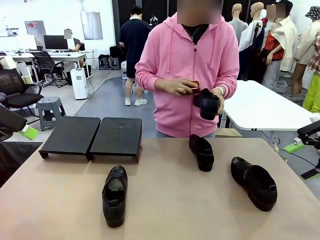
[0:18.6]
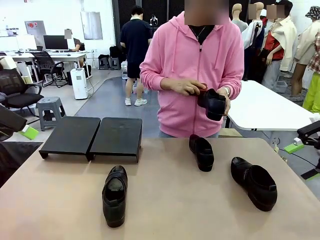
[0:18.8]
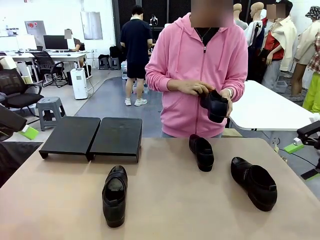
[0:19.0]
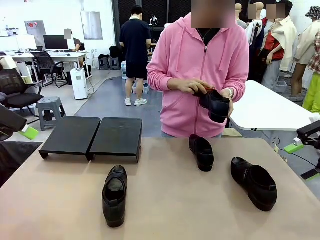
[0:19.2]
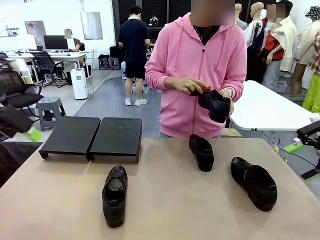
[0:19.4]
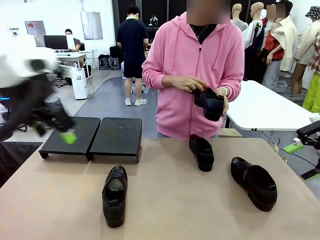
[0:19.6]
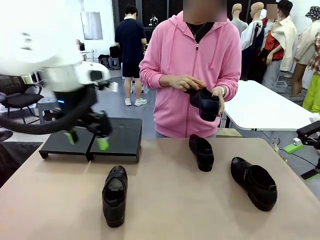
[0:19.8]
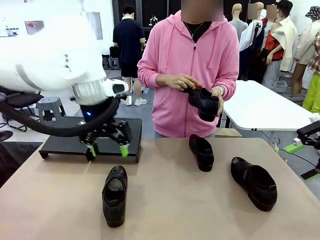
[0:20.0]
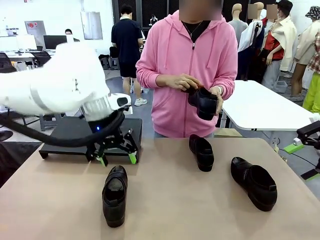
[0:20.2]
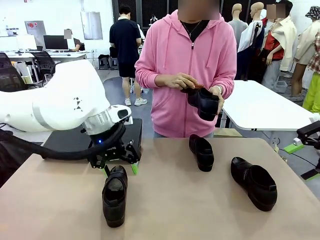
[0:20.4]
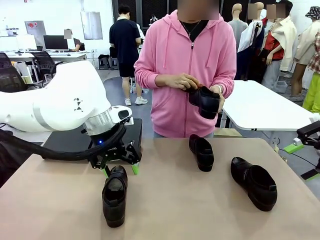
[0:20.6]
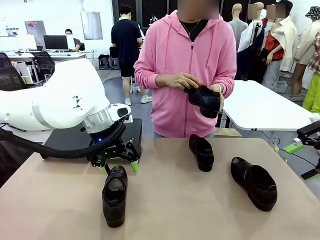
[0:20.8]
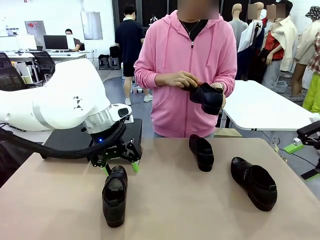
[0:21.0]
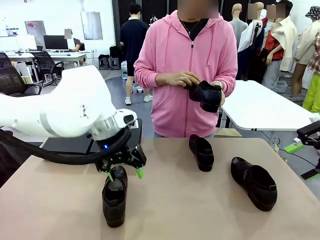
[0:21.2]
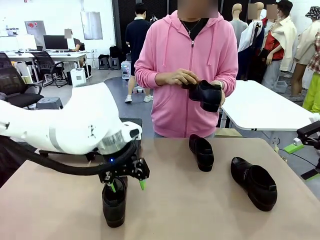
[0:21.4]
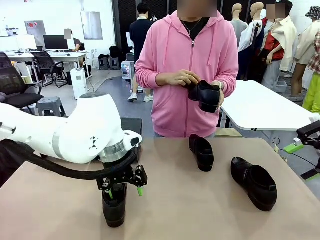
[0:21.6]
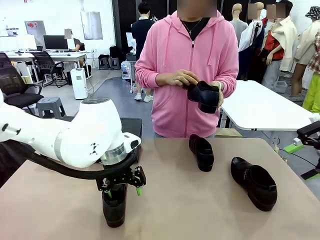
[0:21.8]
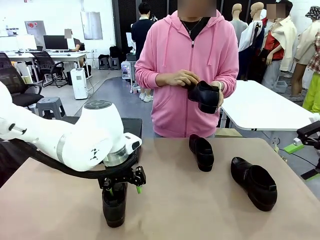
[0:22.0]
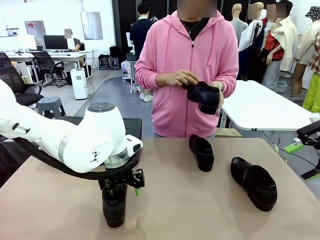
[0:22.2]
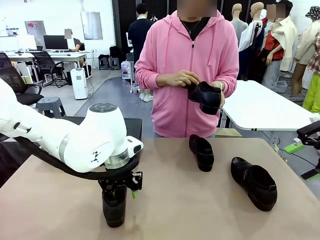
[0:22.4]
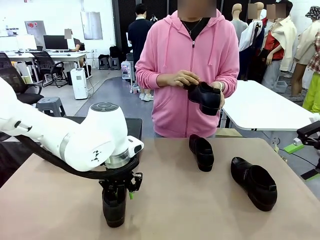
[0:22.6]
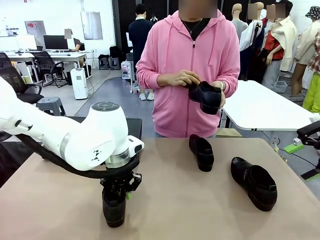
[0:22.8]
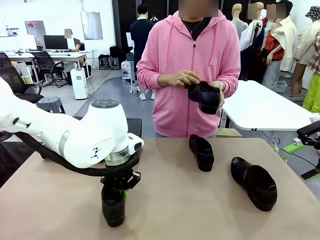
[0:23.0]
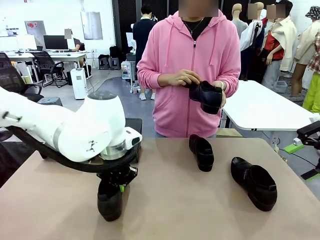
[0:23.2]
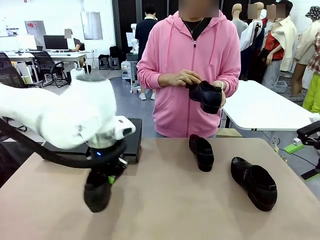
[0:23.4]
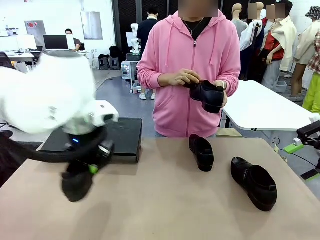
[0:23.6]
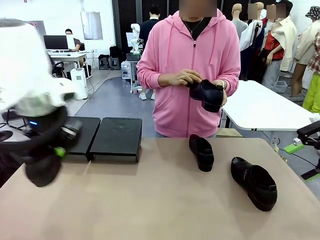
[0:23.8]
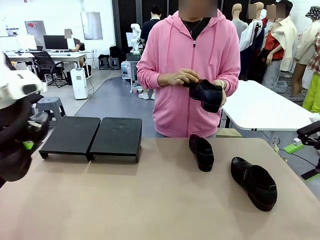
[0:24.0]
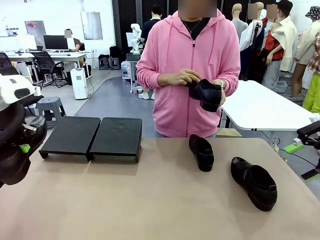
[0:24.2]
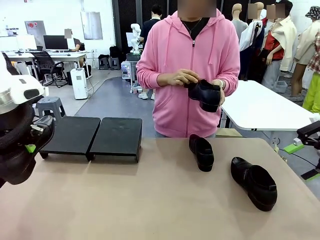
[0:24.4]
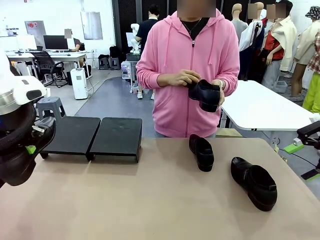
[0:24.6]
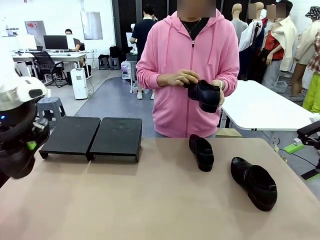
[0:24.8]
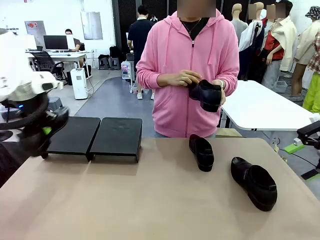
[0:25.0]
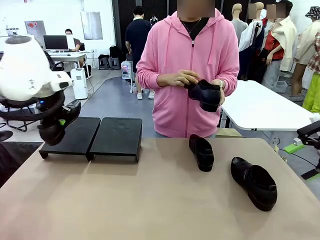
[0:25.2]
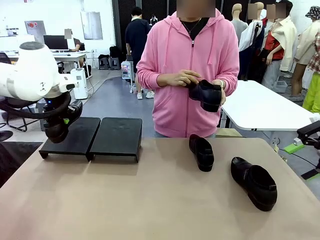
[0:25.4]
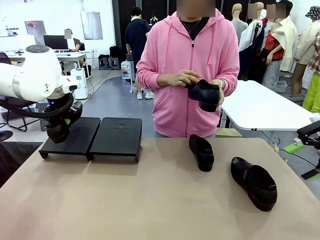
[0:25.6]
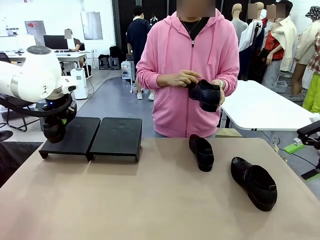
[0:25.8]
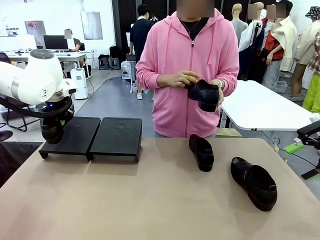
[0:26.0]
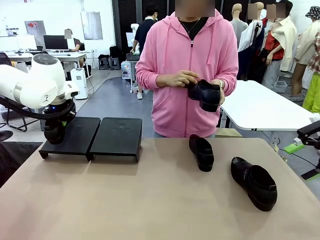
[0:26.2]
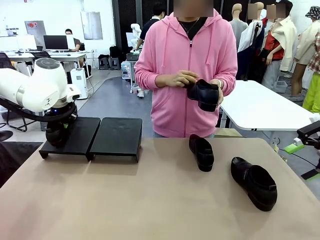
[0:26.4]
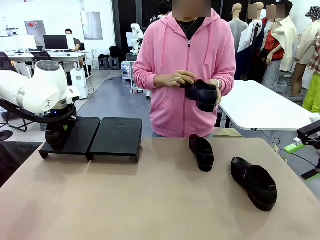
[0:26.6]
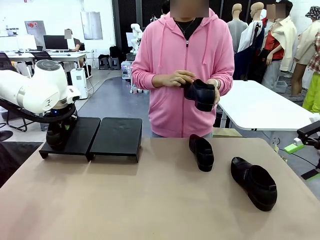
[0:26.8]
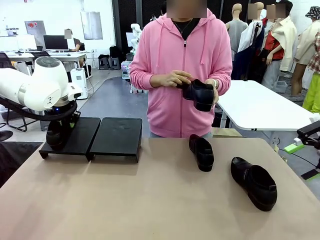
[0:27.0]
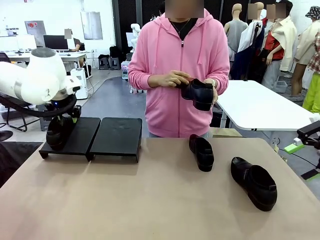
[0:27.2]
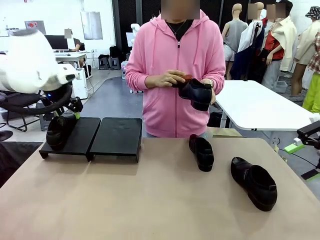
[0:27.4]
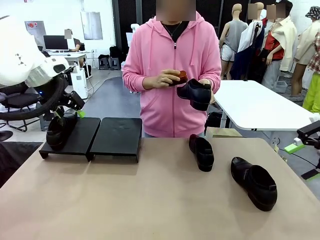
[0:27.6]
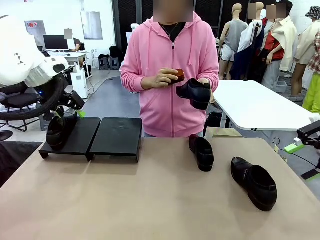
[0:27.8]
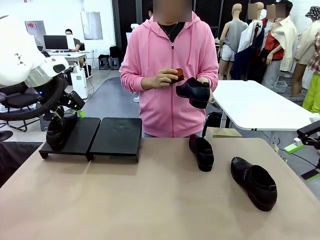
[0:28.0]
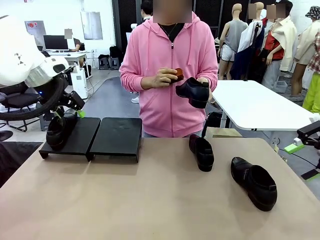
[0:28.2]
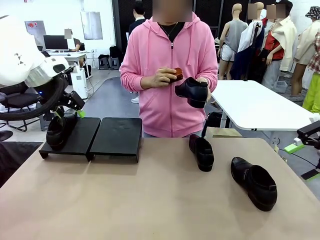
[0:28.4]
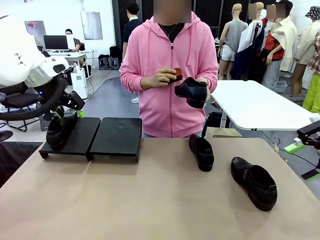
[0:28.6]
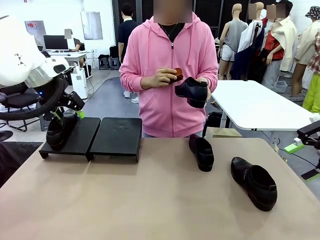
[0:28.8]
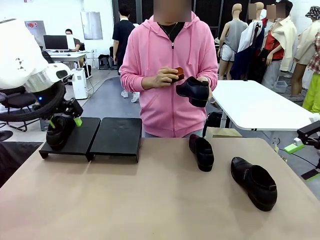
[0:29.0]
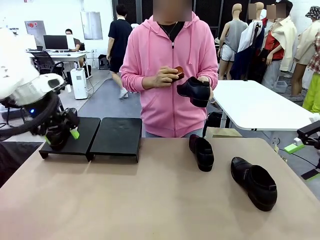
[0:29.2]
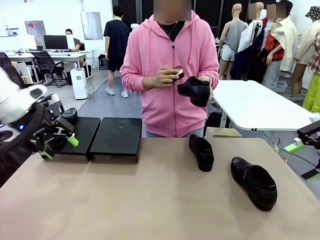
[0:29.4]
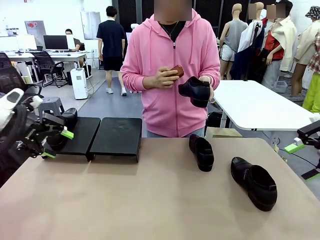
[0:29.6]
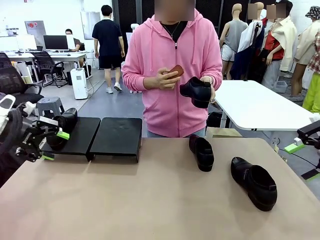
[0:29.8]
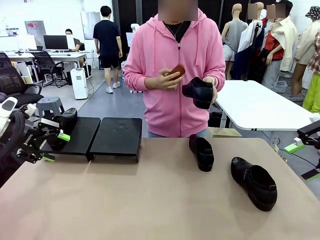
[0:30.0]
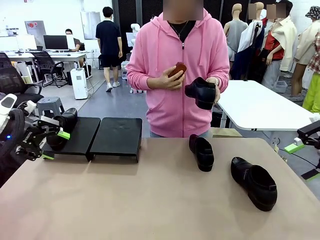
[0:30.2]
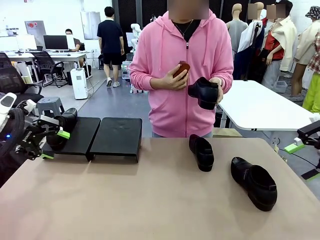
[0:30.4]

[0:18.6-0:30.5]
Task: Organize the shoes by placing them on the stand.
Robot: Place the Shoe from the middle of the table onto the Shoes Stand.
Person: Clean the Shoe with the Shoe Brush.

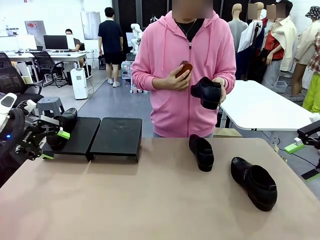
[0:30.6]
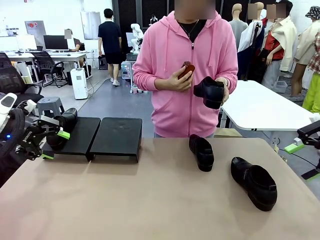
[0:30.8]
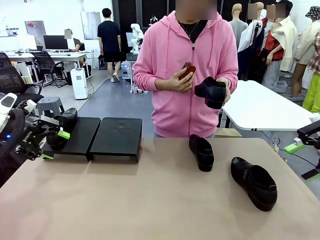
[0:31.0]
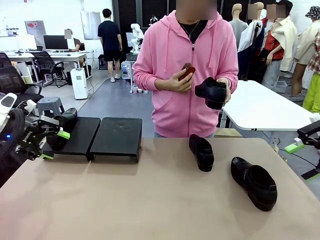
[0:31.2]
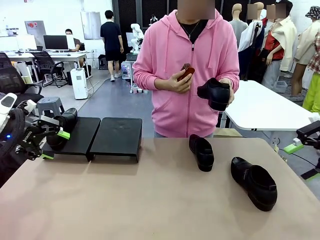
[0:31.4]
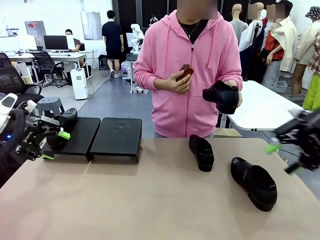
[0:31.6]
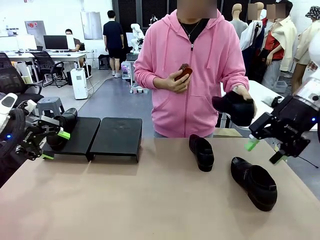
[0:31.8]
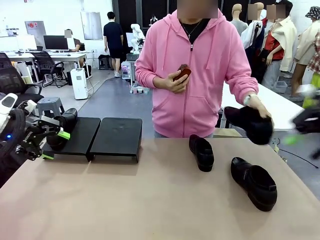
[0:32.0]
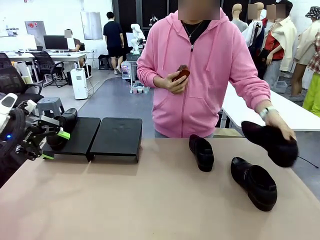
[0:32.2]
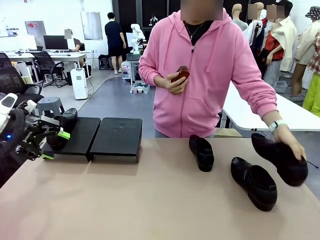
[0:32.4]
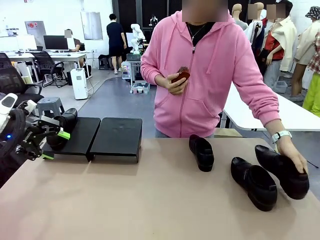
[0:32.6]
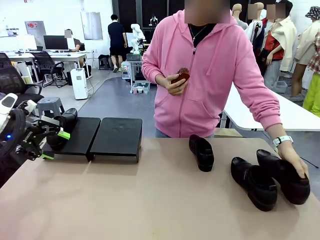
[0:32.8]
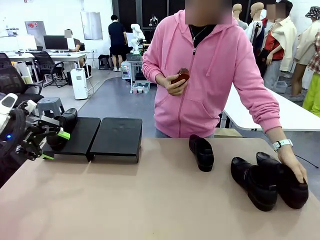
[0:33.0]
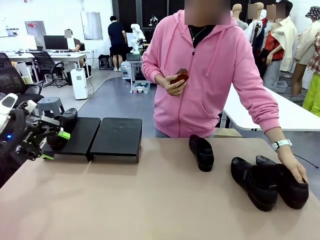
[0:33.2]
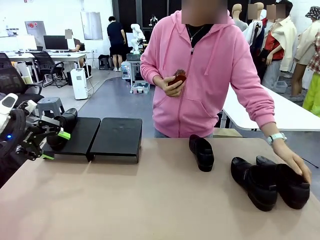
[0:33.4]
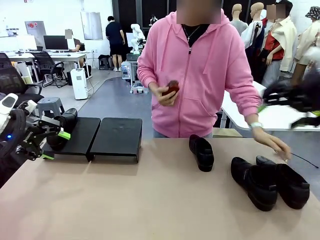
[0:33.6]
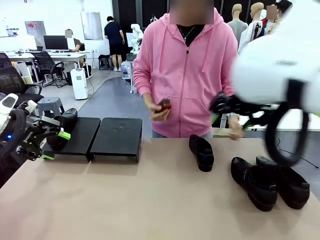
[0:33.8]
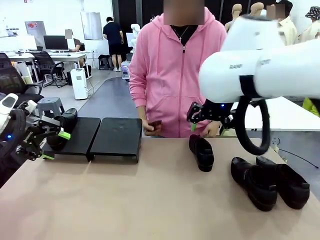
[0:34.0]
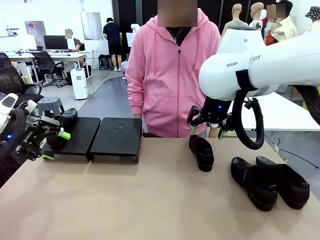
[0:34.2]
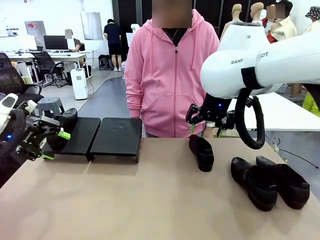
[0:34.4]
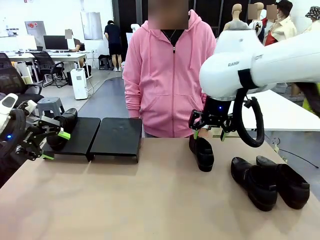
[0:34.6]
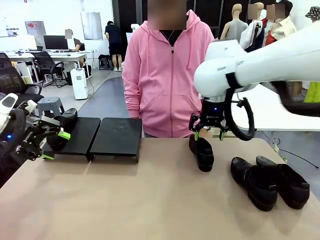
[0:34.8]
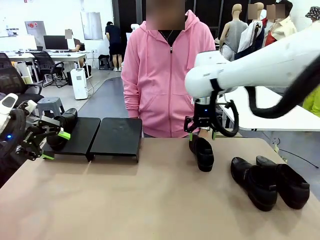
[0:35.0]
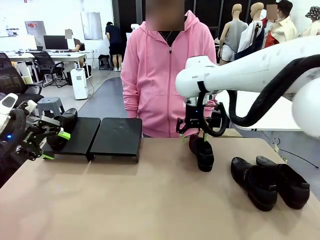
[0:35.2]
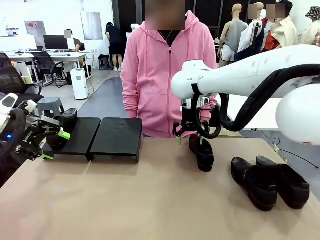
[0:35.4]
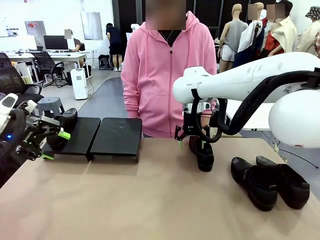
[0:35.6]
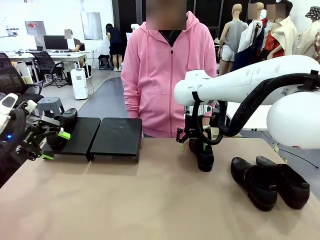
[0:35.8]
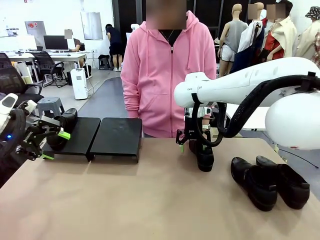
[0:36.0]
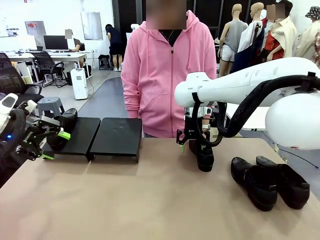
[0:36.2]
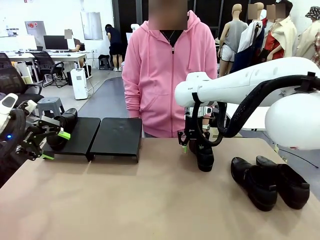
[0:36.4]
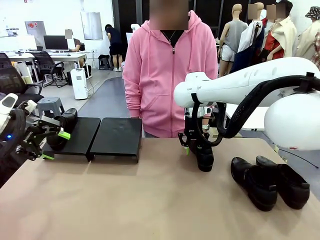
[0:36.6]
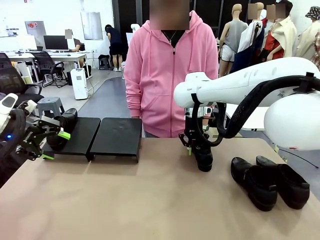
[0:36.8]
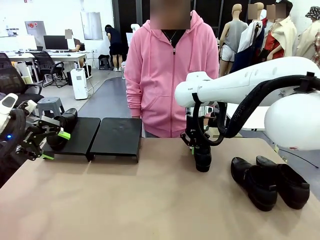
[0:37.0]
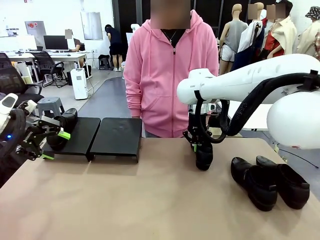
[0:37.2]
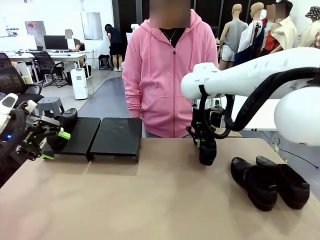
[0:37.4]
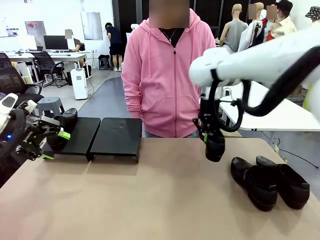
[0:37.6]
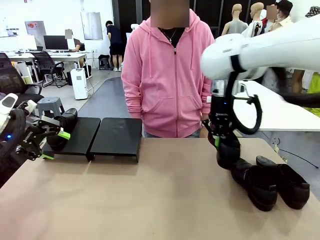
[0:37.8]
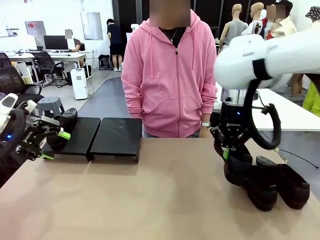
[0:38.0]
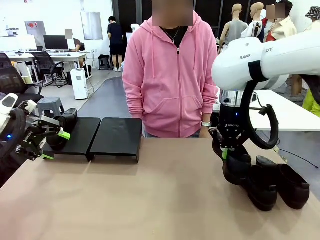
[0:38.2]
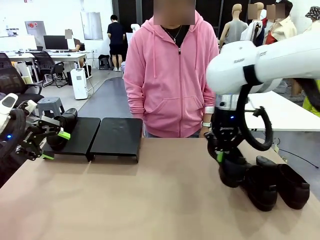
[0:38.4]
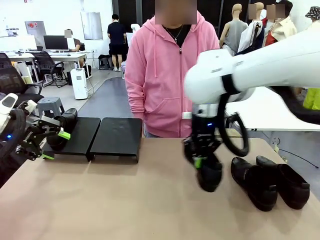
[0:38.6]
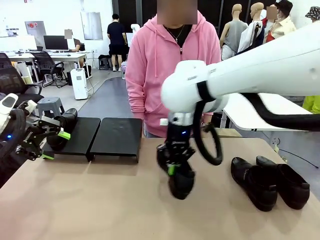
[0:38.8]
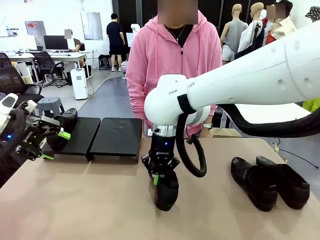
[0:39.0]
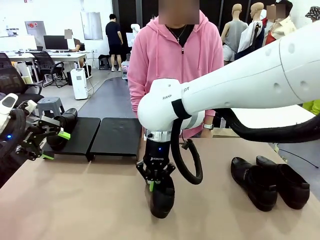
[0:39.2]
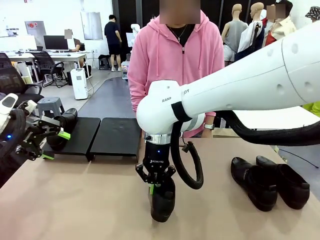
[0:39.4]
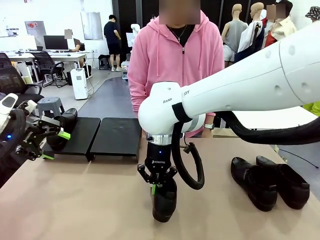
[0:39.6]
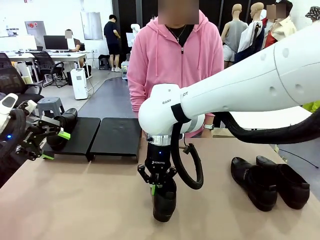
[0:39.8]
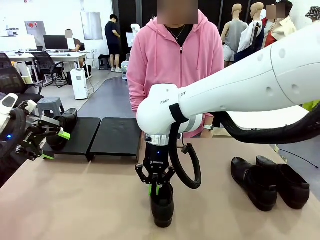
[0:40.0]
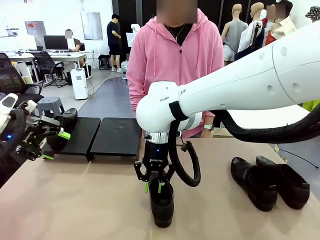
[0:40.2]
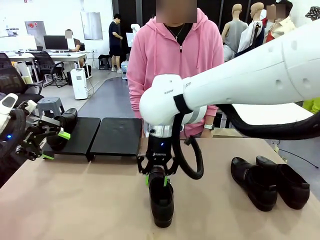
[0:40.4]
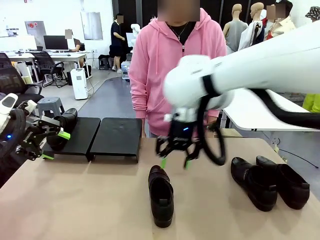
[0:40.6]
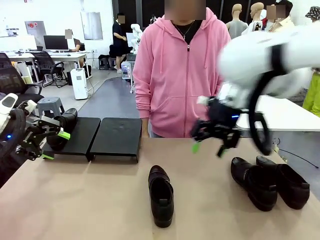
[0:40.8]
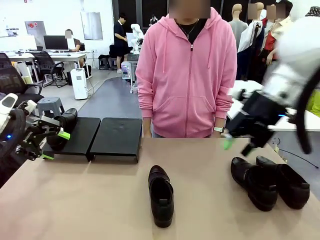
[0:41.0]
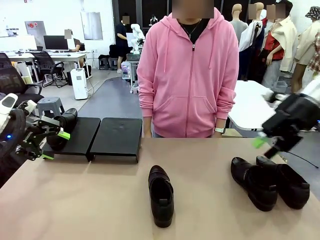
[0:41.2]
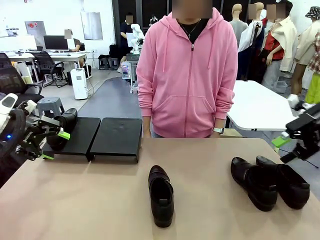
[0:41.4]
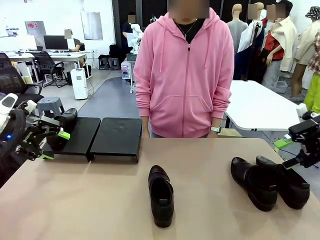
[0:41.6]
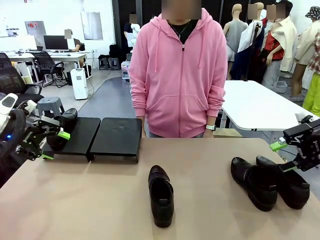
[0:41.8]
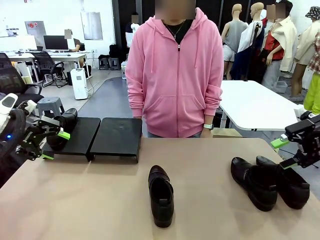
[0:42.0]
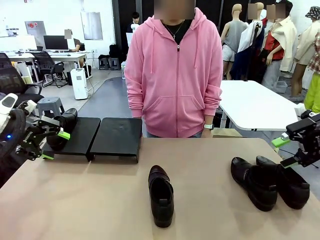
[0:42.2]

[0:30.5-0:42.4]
Robot: Pick up one Shoe and place it in the middle of the table.
